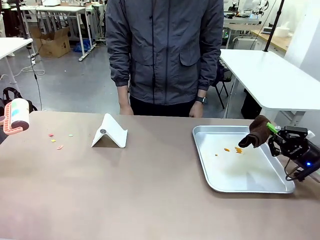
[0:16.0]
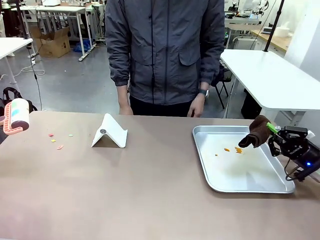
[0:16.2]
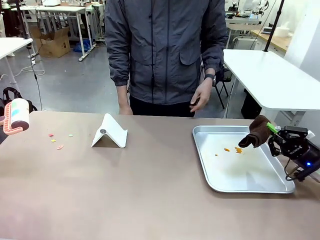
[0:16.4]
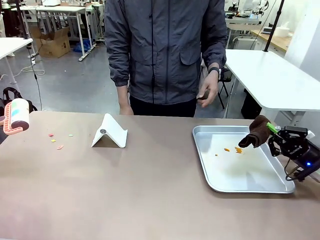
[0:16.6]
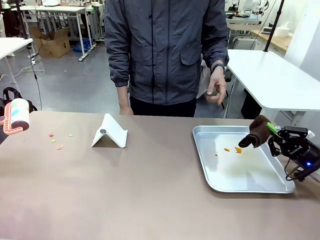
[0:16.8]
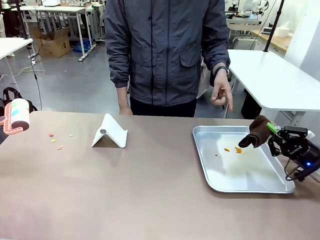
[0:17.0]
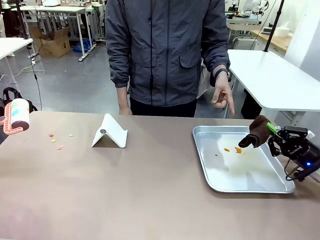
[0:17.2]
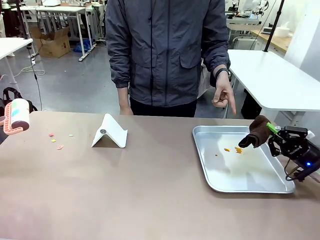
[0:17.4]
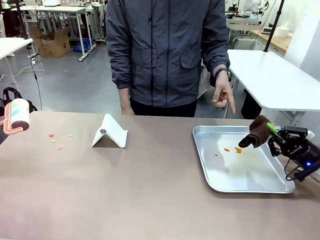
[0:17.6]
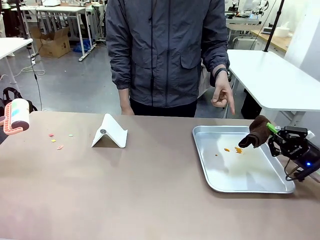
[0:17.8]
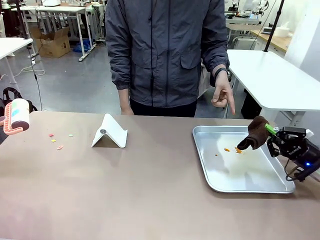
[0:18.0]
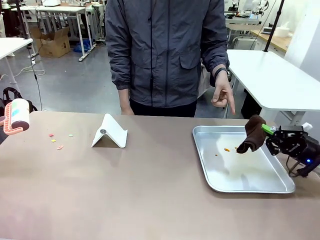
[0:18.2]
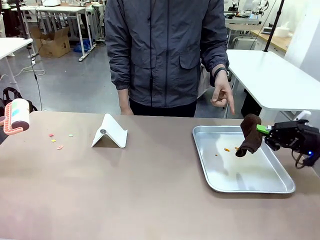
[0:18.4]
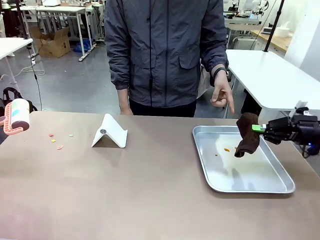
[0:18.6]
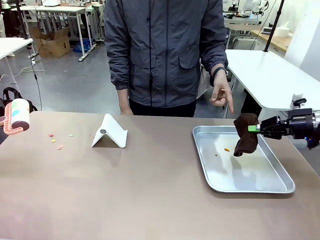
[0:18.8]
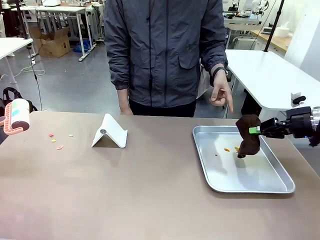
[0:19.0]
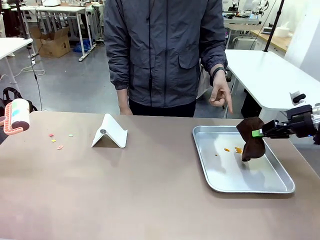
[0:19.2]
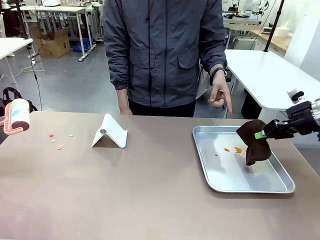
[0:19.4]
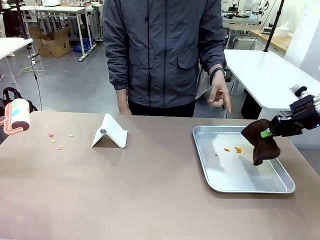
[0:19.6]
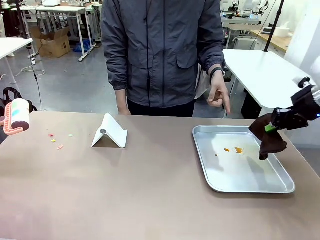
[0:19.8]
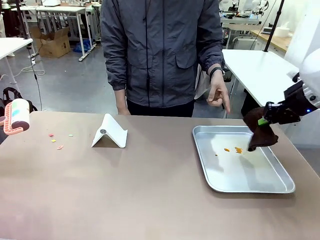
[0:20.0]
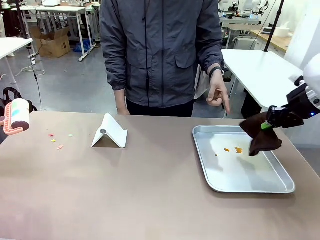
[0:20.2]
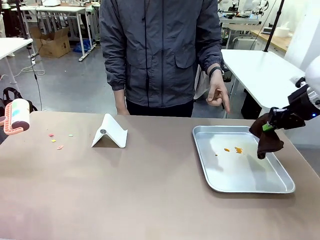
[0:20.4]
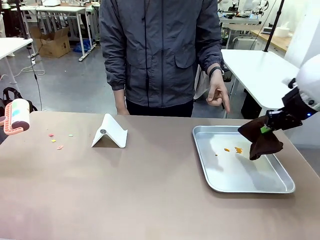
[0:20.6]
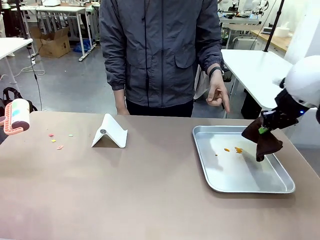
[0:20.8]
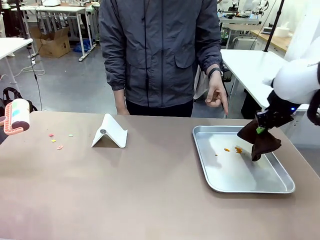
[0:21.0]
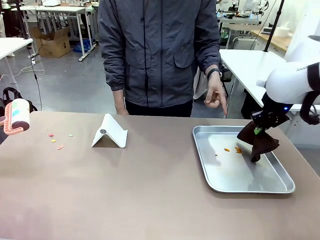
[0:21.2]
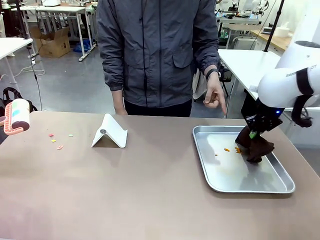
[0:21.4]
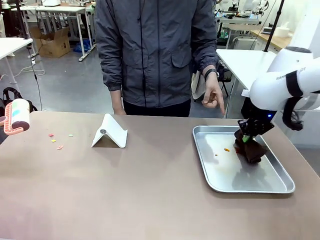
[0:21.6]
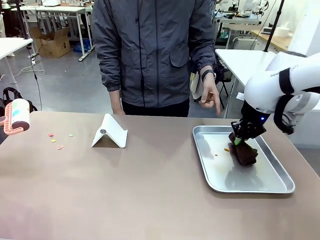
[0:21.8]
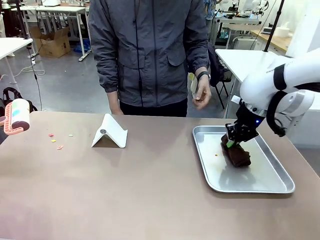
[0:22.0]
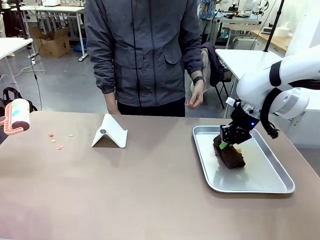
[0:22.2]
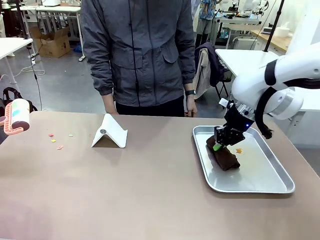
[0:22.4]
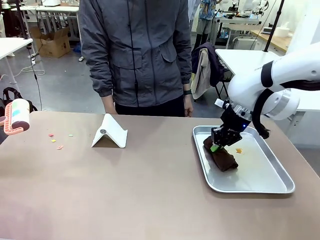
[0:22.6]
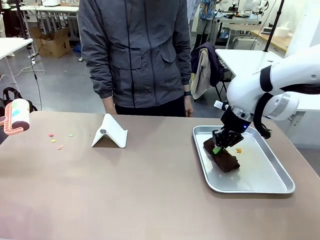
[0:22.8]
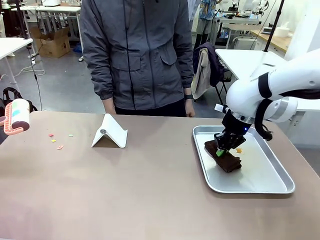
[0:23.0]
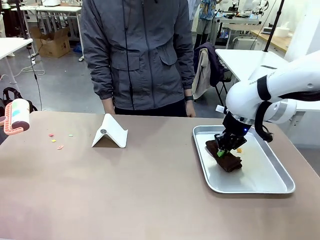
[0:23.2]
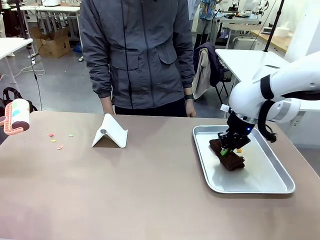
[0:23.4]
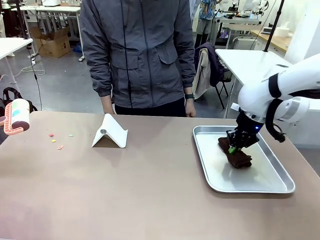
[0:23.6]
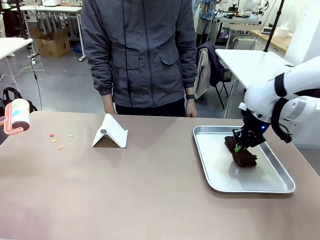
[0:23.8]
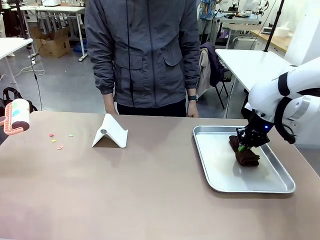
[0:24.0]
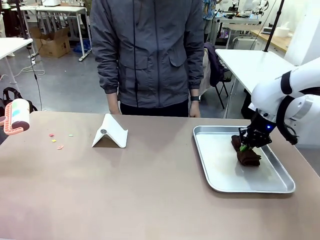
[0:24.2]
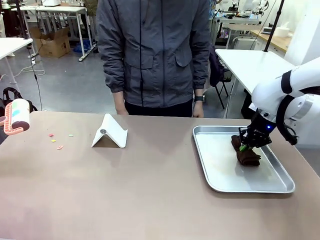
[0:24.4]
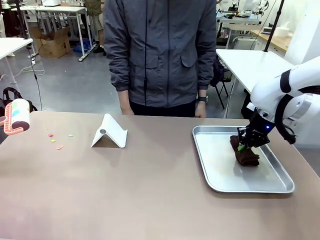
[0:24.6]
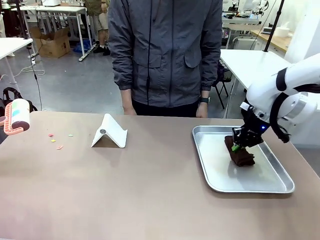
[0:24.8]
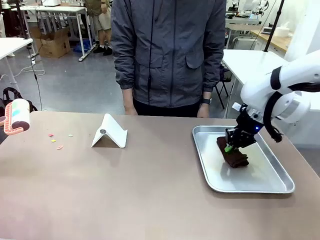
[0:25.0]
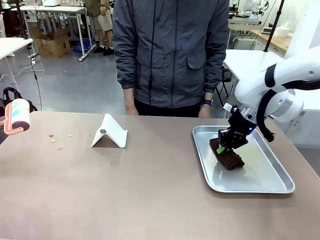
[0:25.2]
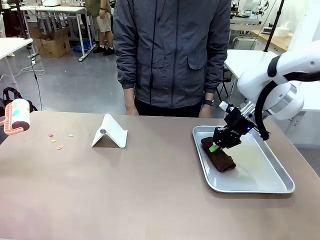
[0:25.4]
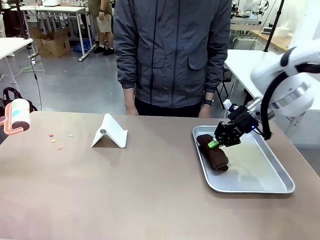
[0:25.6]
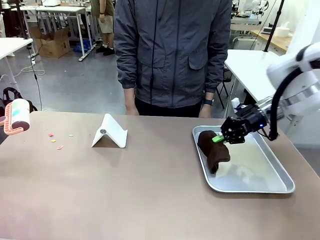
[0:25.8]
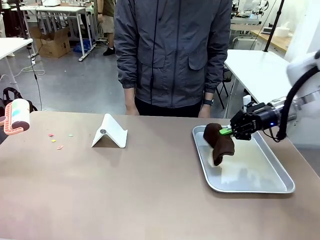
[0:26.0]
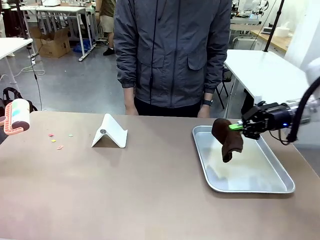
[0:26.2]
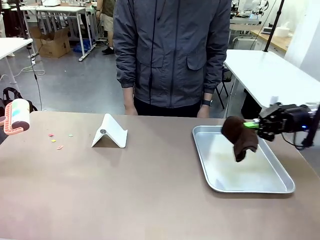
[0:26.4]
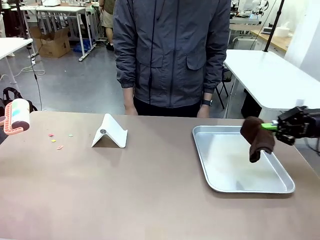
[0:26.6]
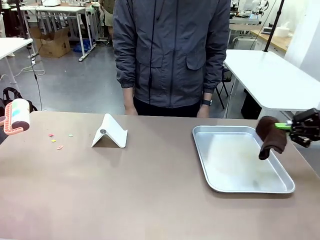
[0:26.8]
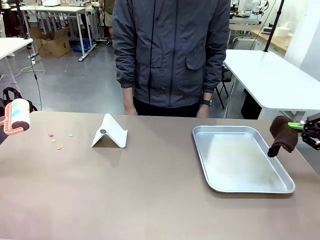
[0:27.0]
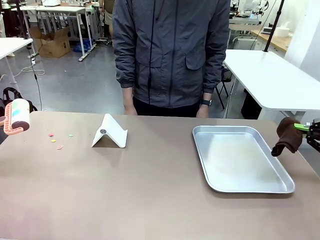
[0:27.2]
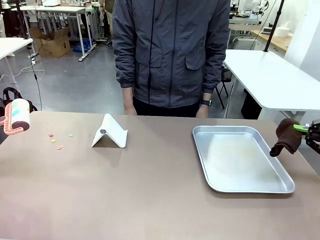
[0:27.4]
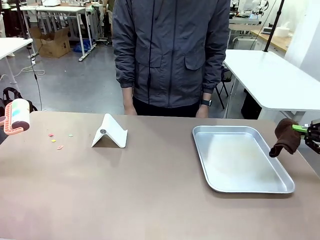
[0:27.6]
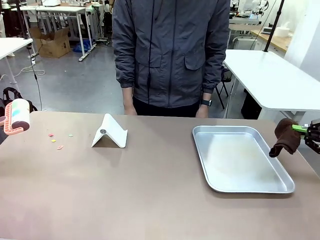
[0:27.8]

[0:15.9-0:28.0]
Task: Clean the surface of the table.
Robot: If a person points to the right, clean the right side of the table with your right hand, and if they point to the left, clean the left side with your left hand.

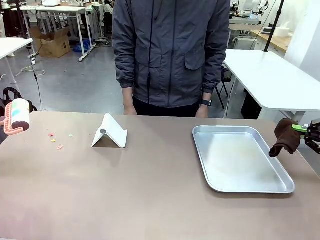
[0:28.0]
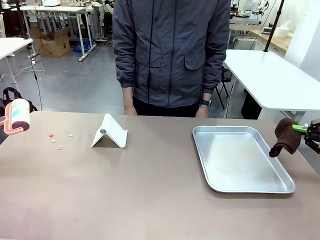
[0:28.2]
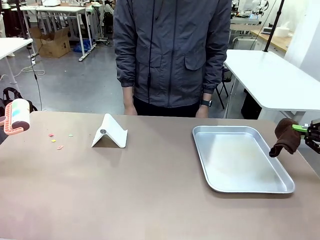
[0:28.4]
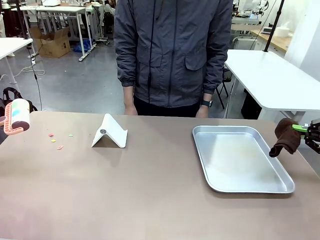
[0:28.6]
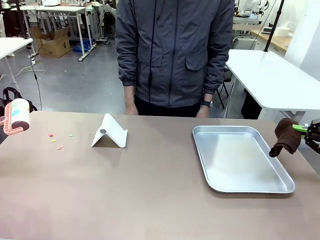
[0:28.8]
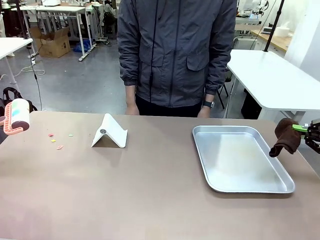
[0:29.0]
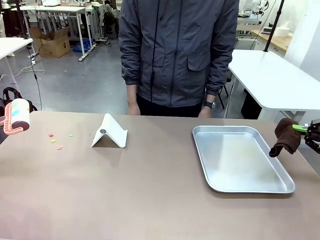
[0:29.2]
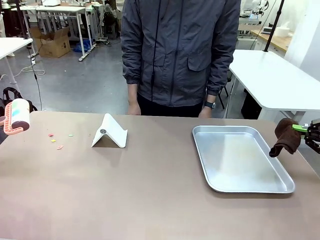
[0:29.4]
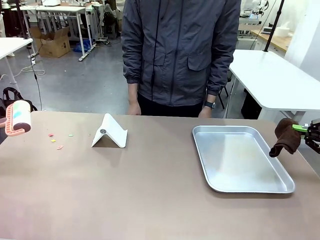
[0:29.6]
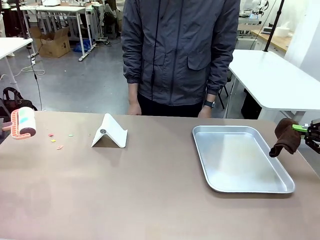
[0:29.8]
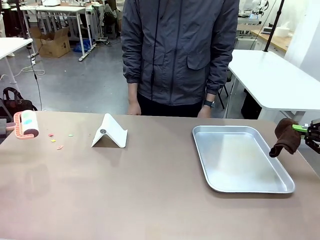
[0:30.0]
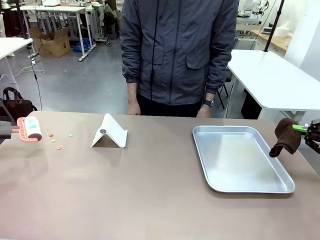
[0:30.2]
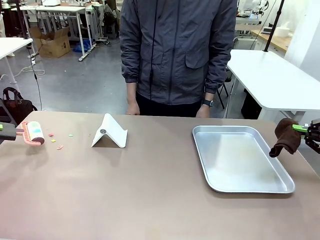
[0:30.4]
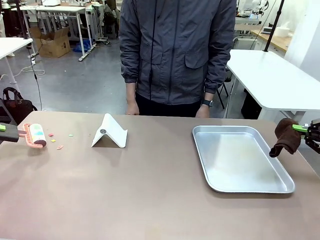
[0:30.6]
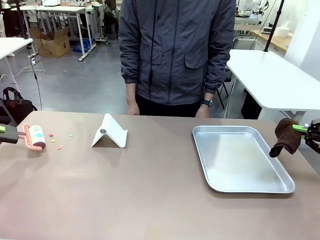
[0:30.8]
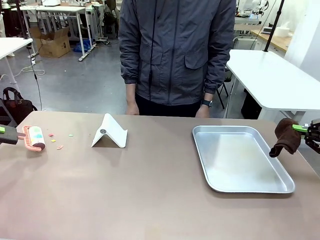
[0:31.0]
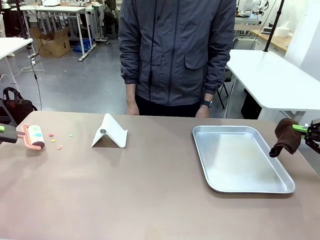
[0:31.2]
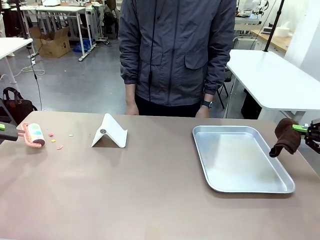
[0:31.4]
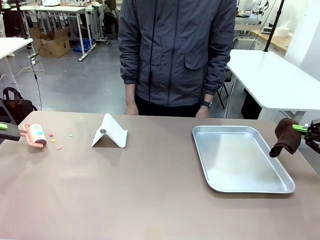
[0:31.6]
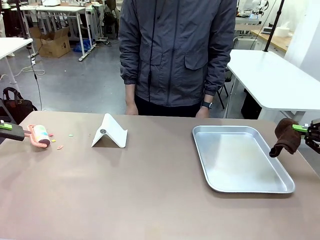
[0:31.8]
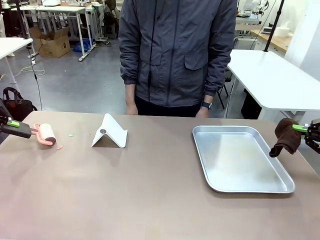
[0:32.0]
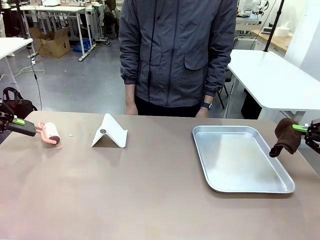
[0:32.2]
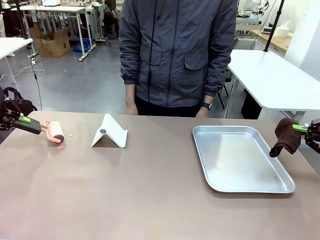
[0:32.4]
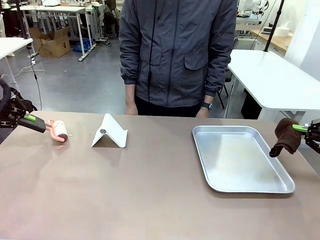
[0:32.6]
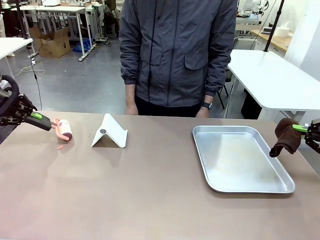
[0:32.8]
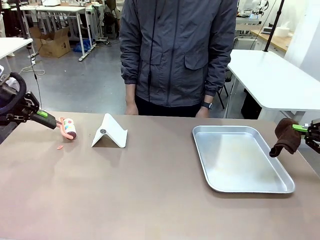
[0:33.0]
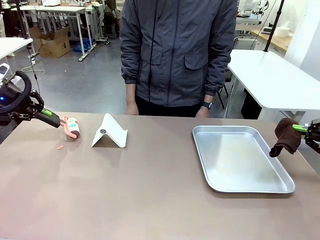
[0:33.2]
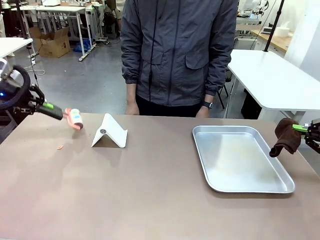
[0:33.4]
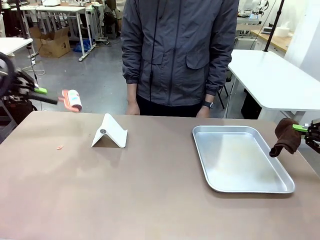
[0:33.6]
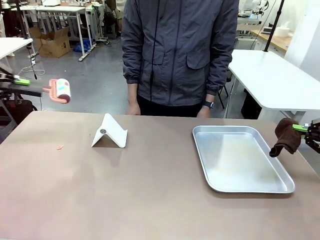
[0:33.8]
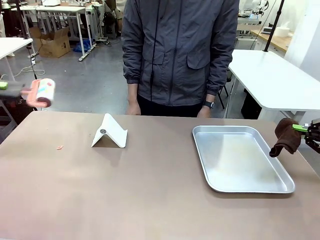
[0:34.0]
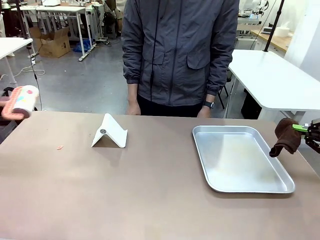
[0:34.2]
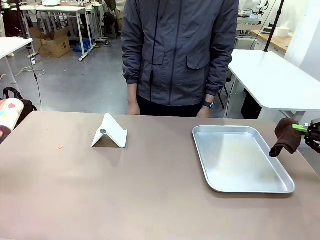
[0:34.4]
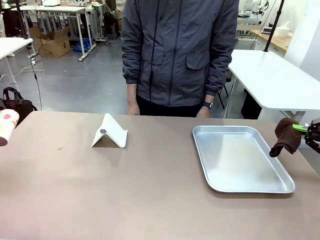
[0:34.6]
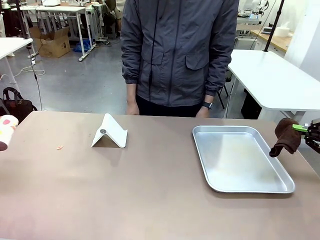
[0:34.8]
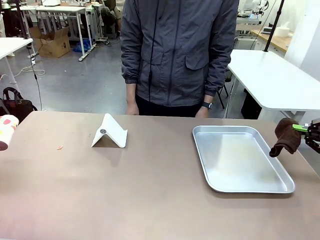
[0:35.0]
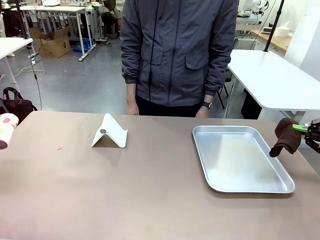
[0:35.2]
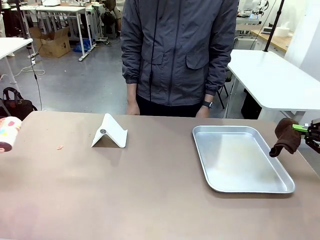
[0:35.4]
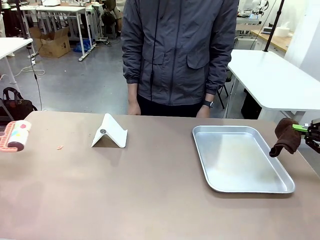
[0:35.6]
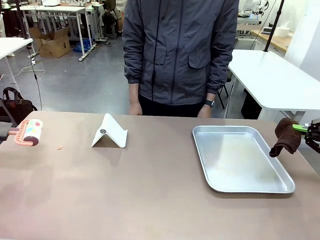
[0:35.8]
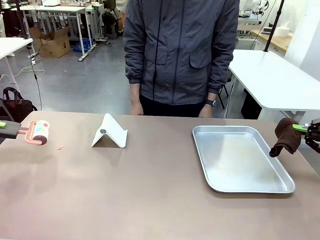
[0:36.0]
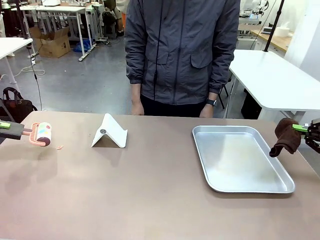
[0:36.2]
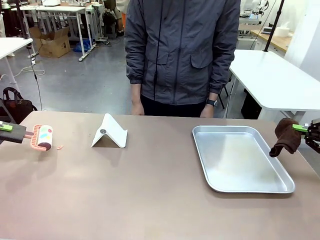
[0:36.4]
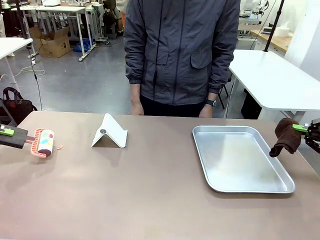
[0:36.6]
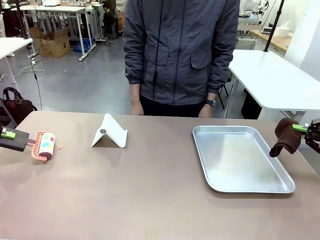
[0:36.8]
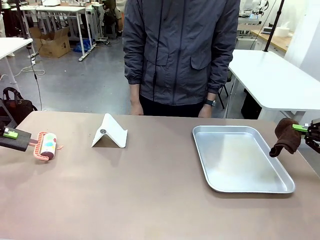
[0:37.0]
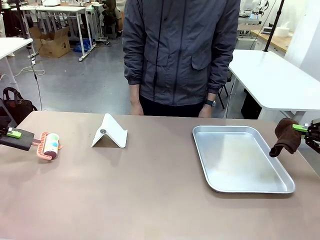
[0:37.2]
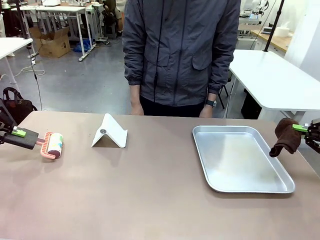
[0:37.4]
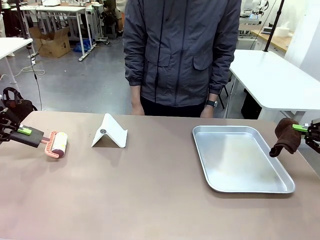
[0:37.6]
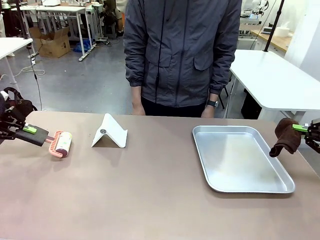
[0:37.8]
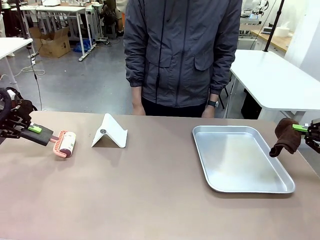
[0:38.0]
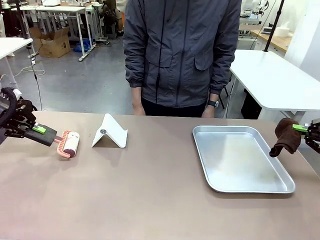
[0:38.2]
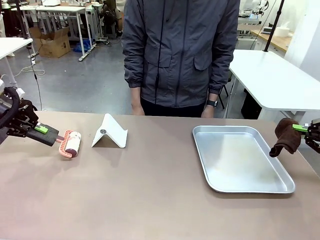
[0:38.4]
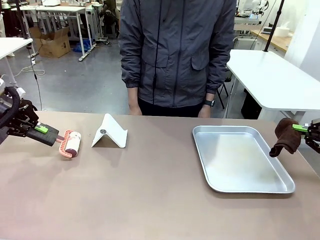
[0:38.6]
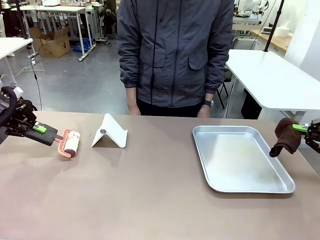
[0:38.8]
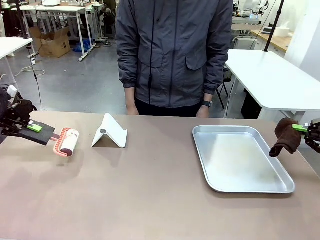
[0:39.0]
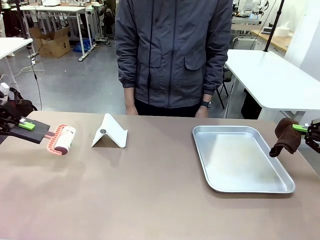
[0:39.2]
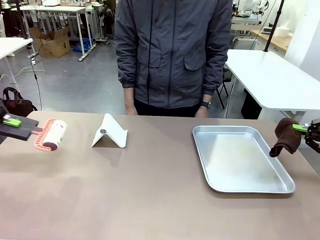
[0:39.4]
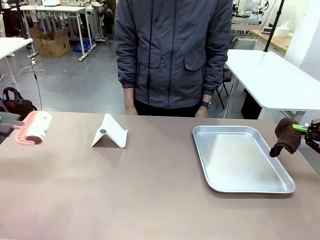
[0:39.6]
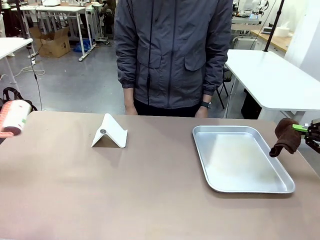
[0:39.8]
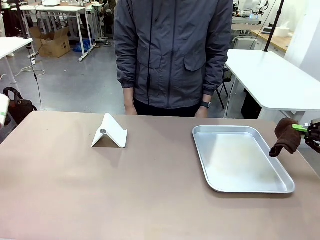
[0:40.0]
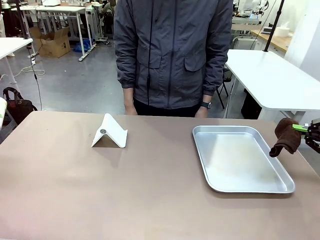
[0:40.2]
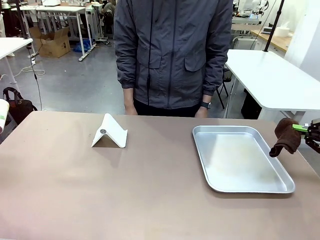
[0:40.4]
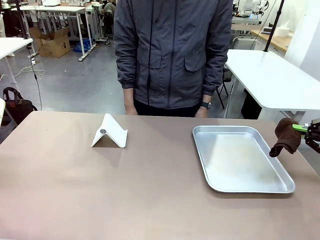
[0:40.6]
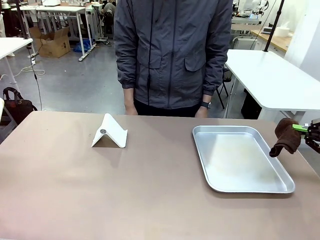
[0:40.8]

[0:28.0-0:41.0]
Robot: Clean the area not pointed to by the person.
